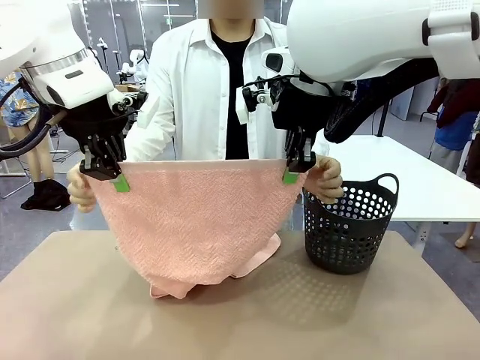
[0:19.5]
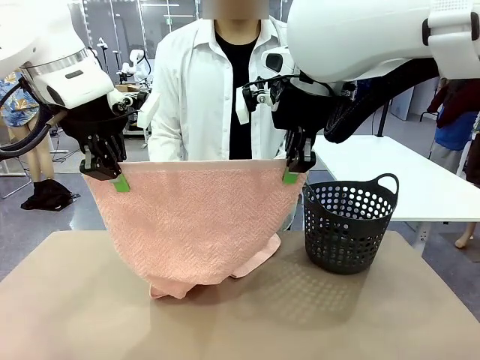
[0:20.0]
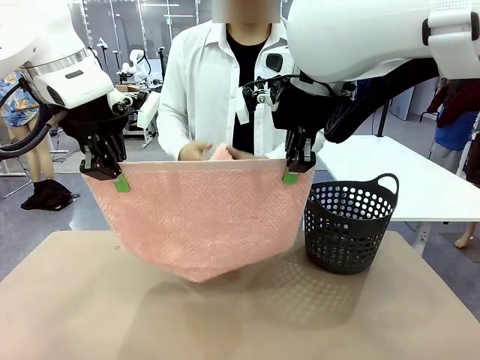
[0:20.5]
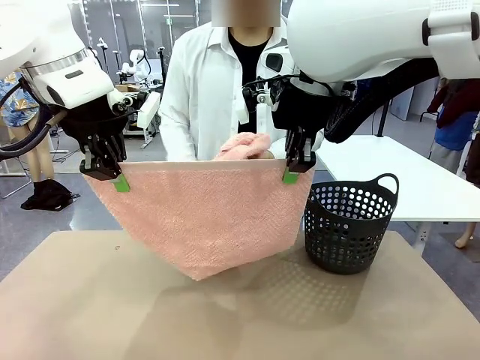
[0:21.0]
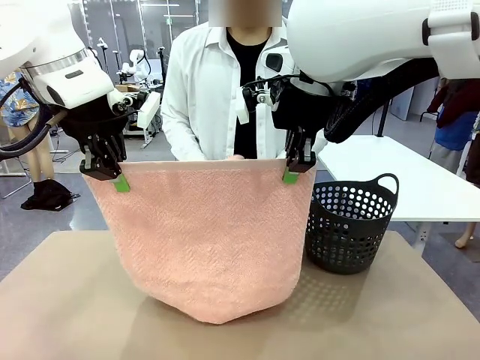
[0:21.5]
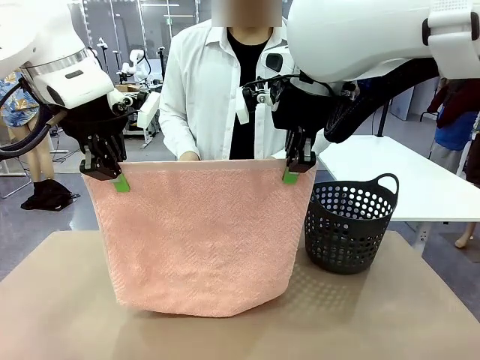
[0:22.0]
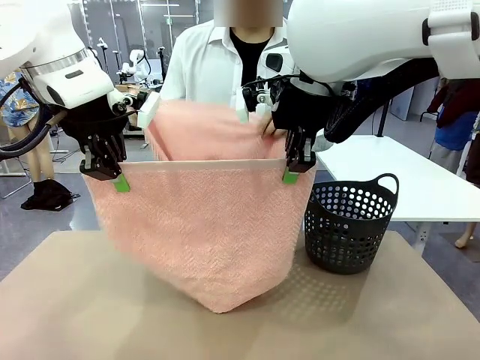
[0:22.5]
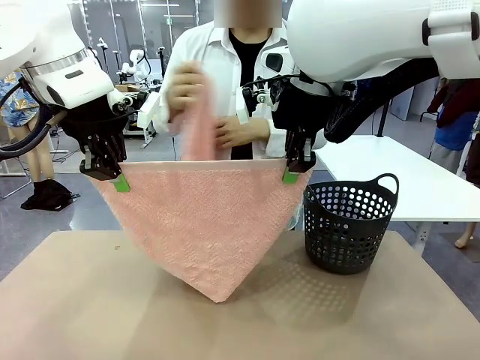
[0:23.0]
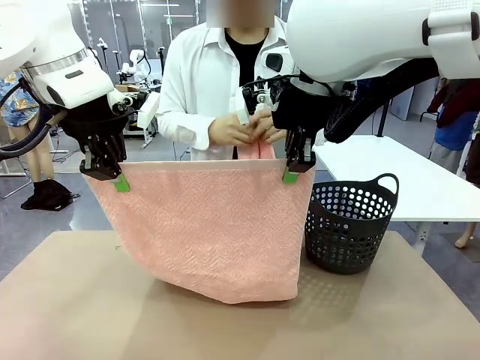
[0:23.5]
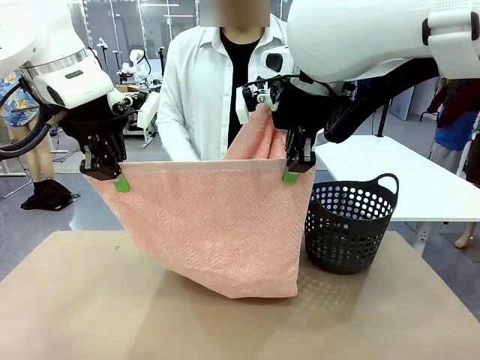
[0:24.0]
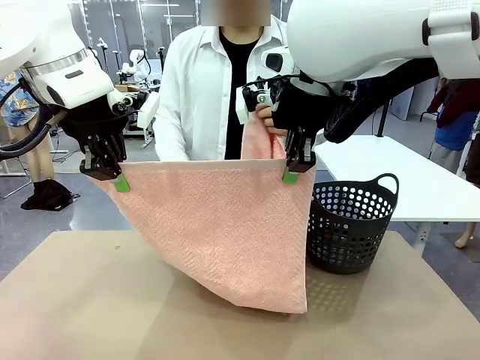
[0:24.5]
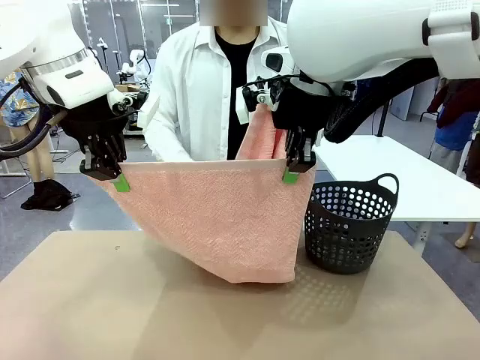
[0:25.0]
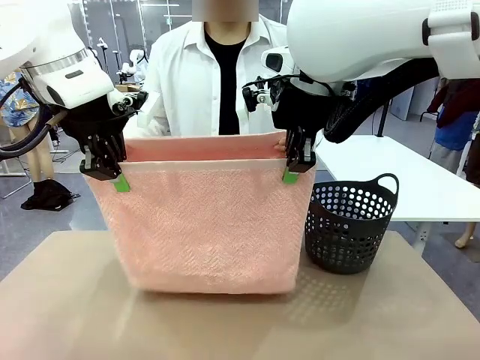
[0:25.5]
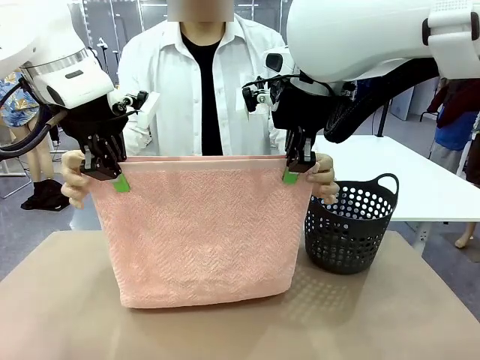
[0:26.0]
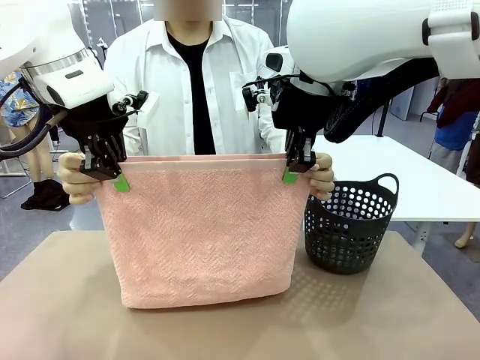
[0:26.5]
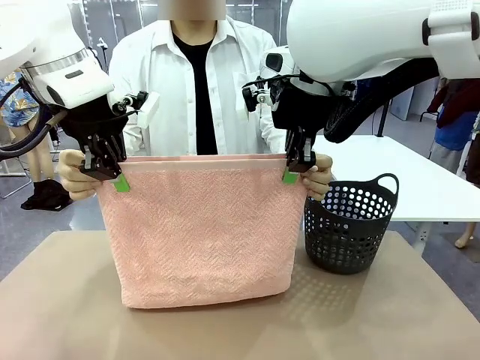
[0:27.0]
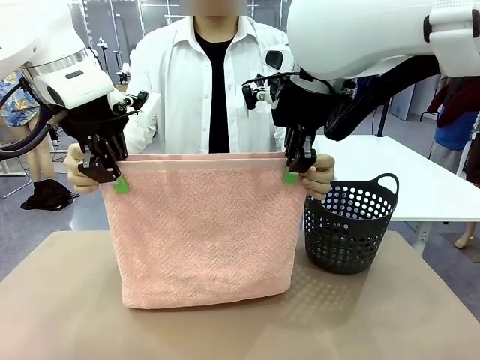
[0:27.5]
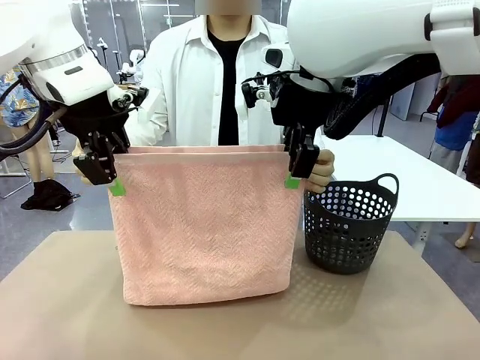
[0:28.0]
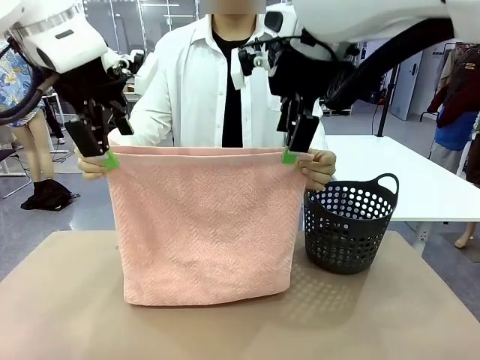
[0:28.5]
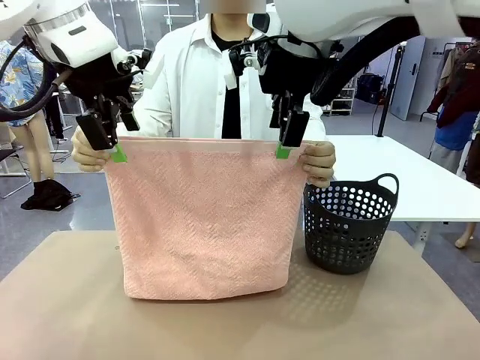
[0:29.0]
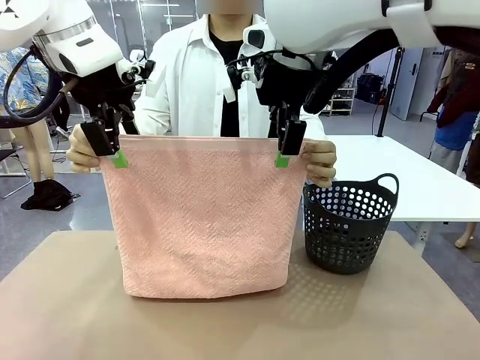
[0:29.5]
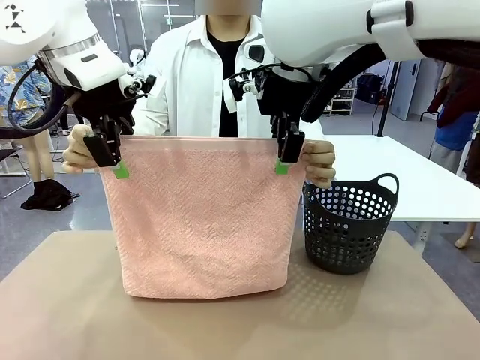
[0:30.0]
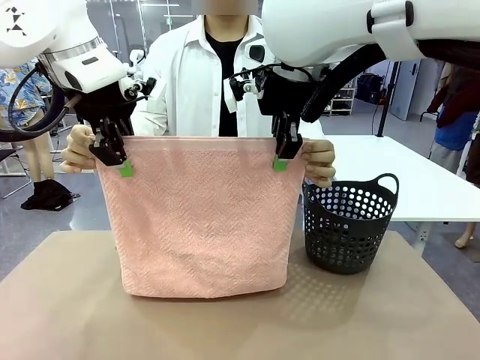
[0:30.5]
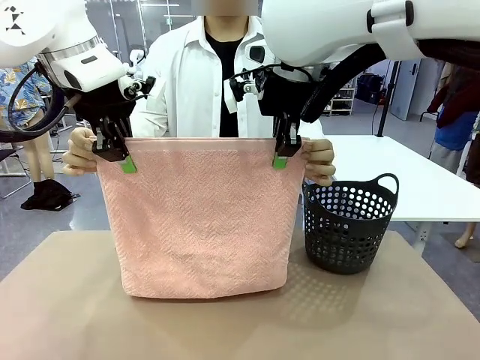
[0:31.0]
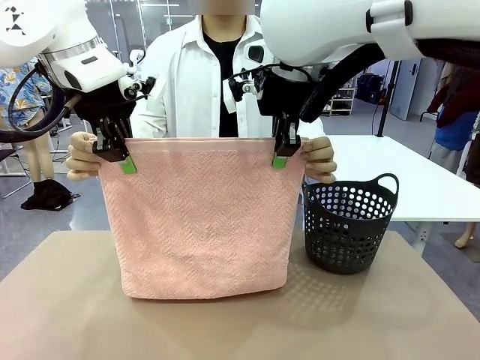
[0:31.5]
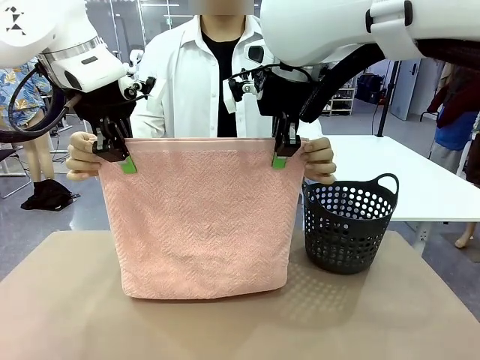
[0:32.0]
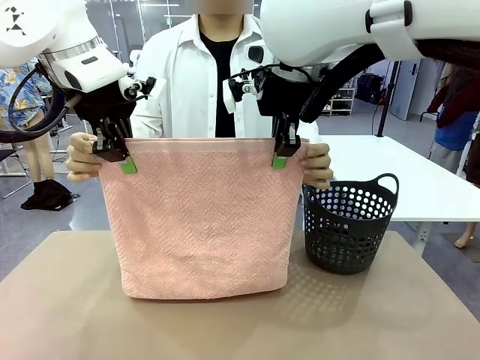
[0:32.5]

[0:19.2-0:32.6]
Task: Fold the towel.
Robot: Release the end of the 100 cm Hotel Towel you were holding and grab the top end of the folded side.
Person: Using the point held by the robot as a reference, grasp the opposite end, fold the towel in half, and then hold both ends of the folded towel.

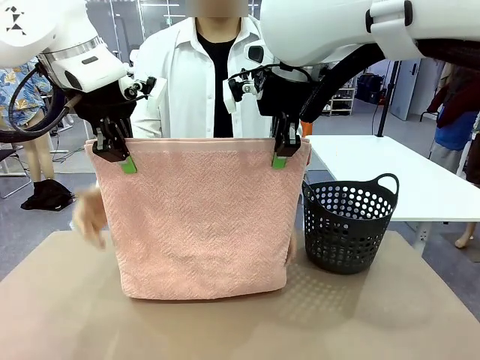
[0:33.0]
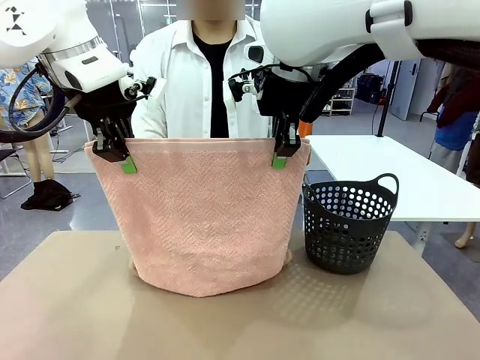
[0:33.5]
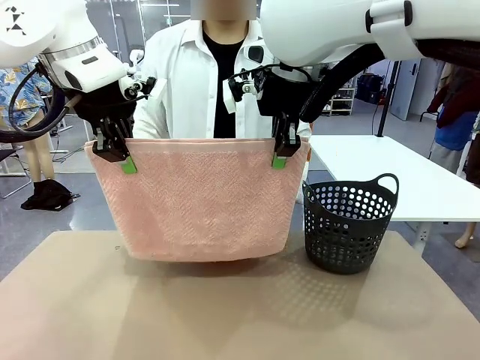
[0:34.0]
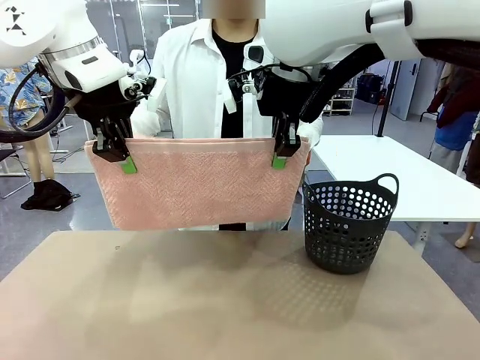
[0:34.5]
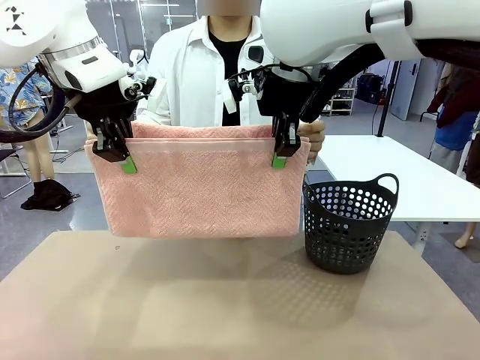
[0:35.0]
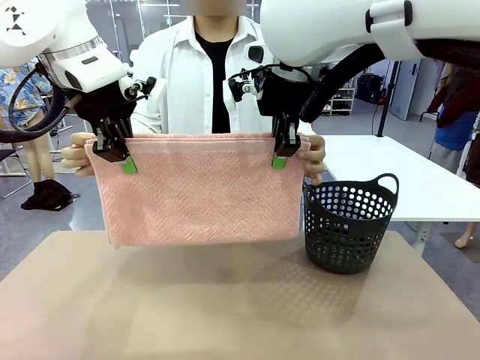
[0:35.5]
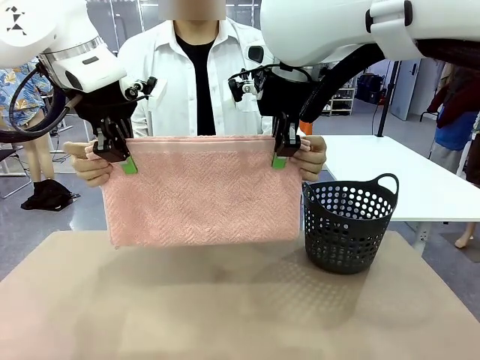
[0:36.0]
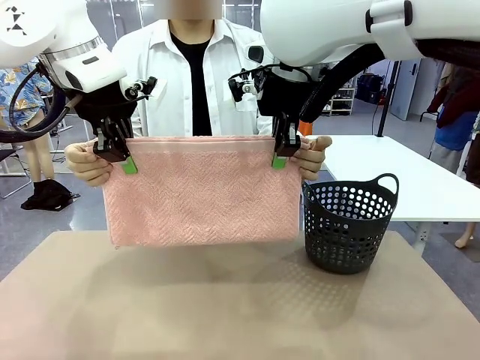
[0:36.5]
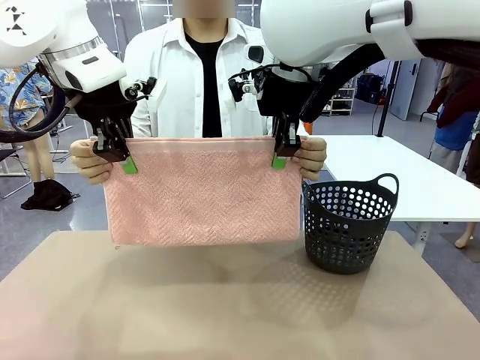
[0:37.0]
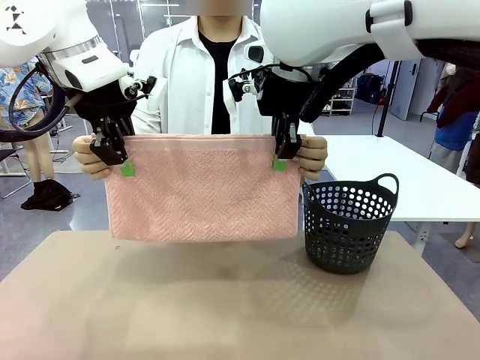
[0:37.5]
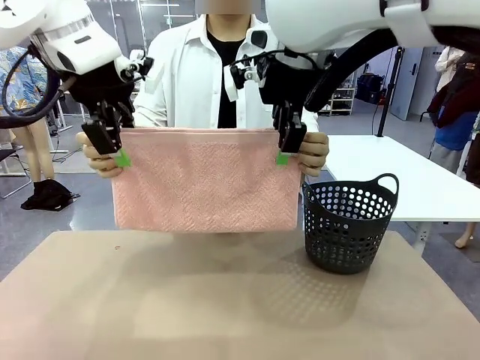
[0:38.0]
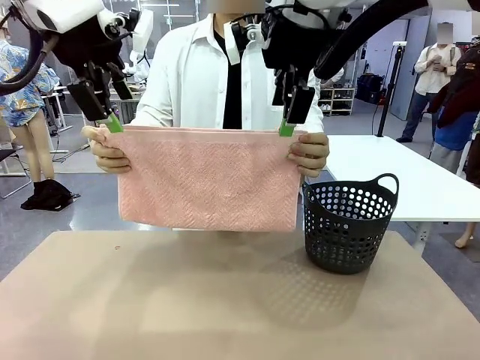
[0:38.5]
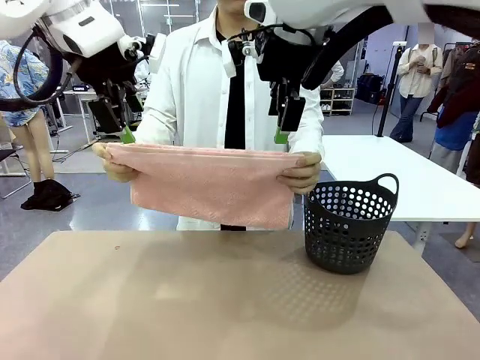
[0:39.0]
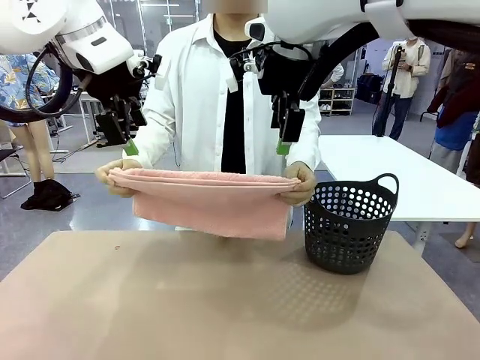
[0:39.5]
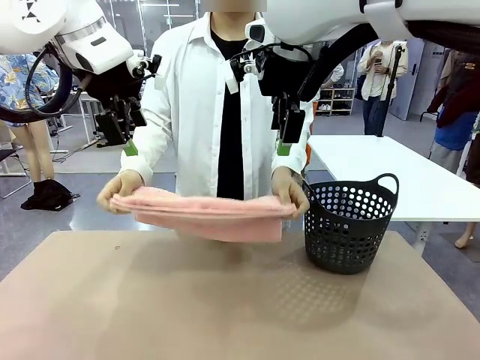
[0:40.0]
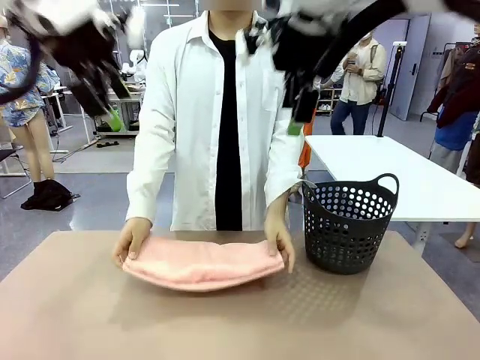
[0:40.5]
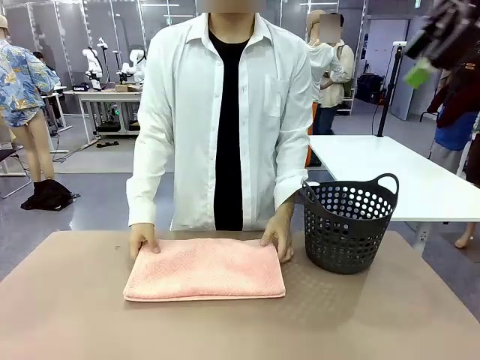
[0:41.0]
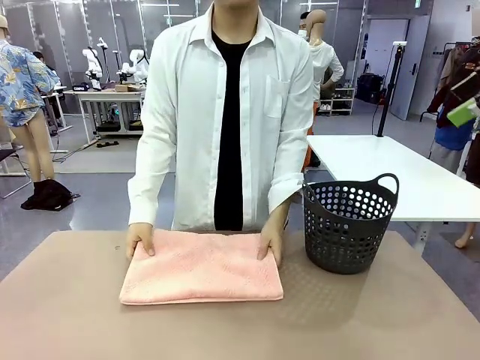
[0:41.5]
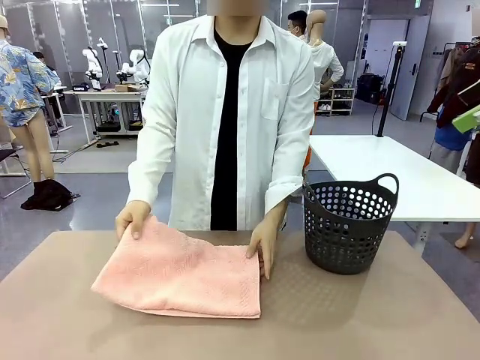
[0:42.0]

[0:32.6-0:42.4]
Robot: Release the end of the 100 cm Hotel Towel you were holding.
Person: Place the towel at the center of the robot table and fold it in half.

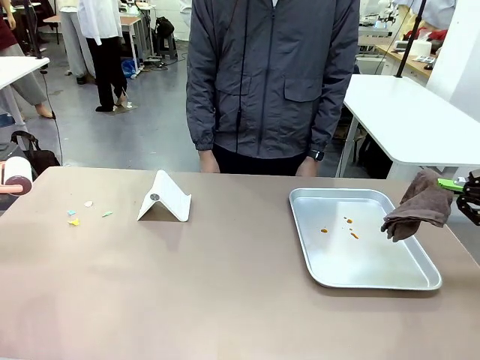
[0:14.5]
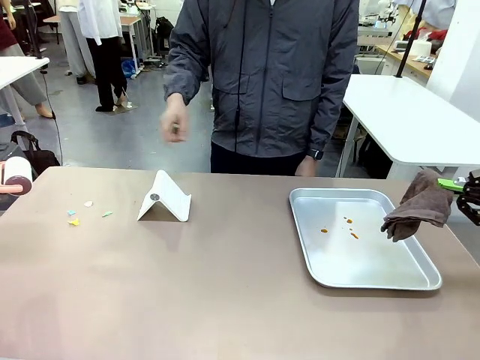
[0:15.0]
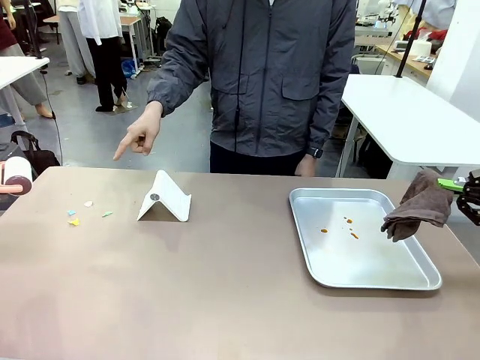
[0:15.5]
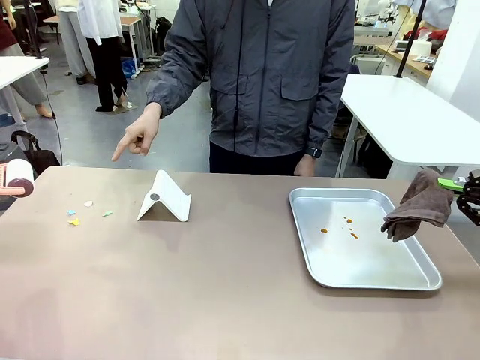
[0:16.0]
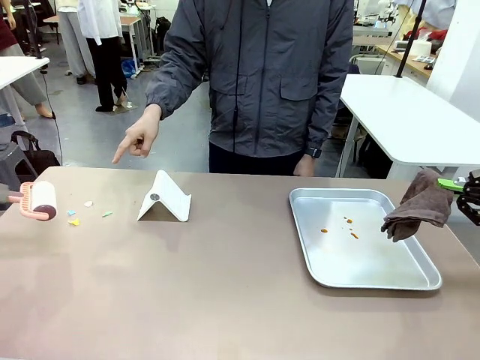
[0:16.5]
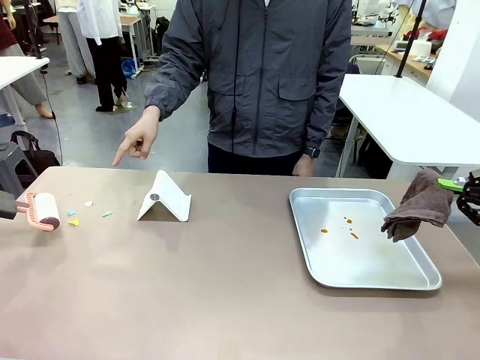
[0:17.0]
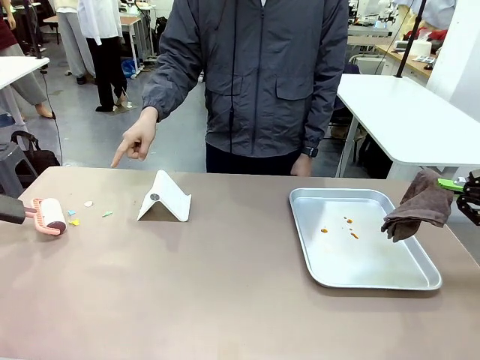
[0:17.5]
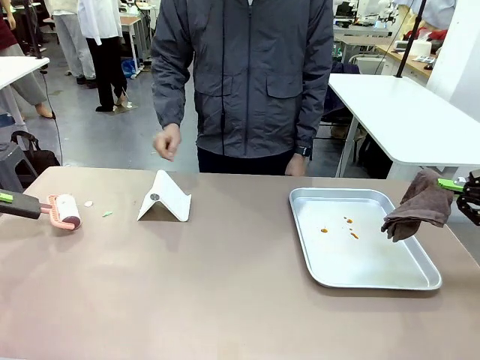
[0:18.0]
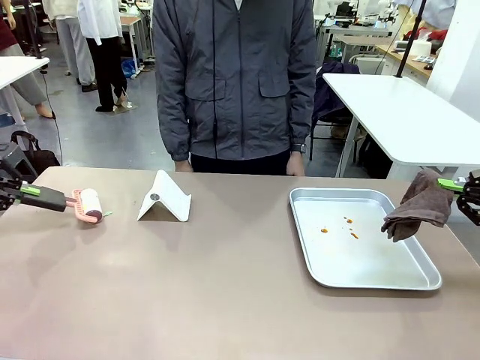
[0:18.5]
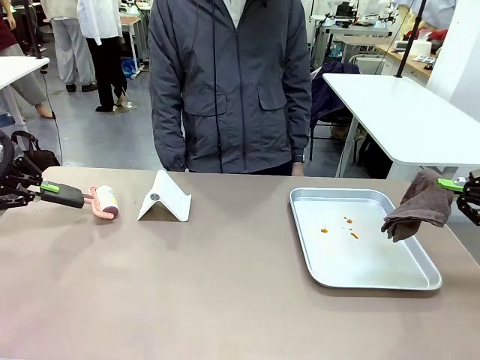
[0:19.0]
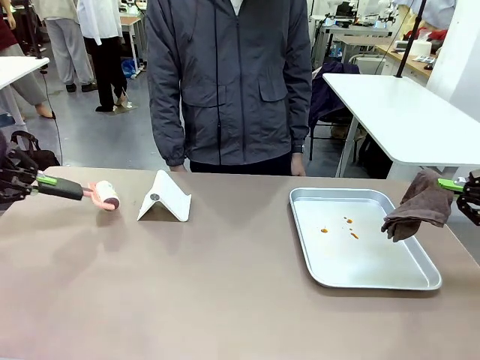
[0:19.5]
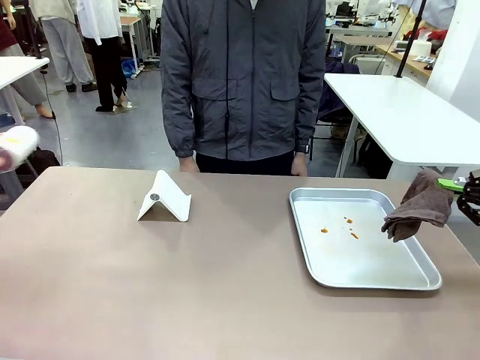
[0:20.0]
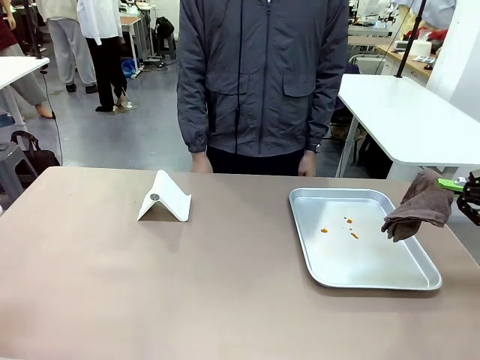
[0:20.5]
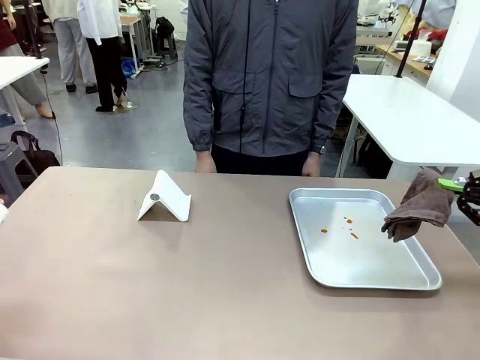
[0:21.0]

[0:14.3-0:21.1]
Task: Clean the surface of the table.
Robot: If a person points to the right, clean the right side of the table with your right hand, and if they point to the left, clean the left side with your left hand.
